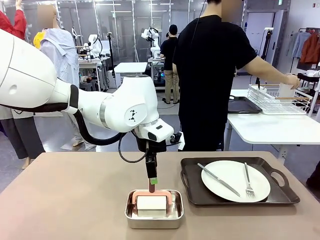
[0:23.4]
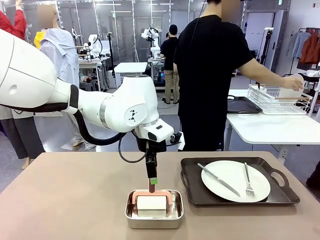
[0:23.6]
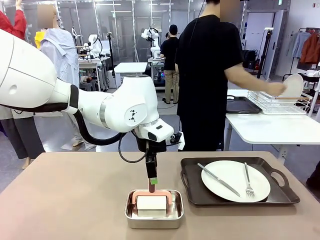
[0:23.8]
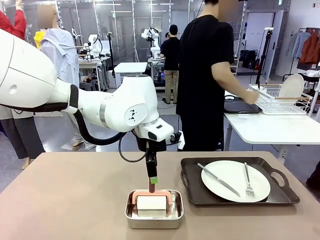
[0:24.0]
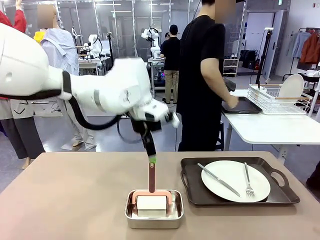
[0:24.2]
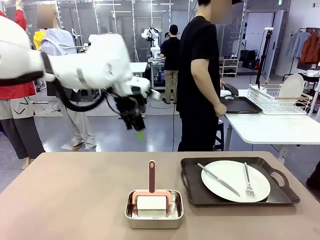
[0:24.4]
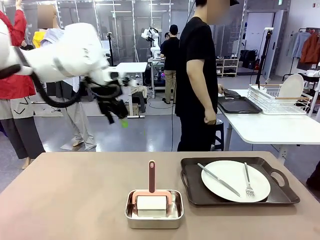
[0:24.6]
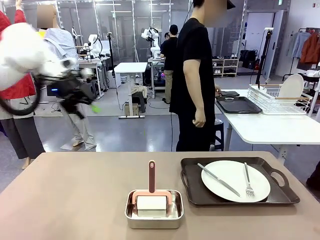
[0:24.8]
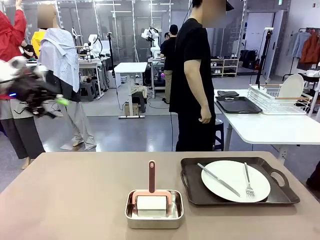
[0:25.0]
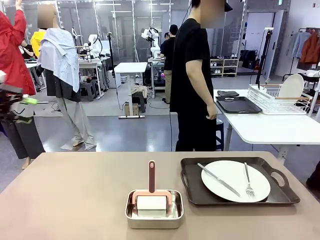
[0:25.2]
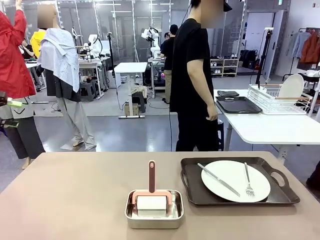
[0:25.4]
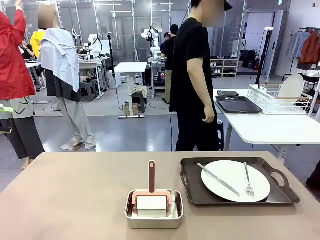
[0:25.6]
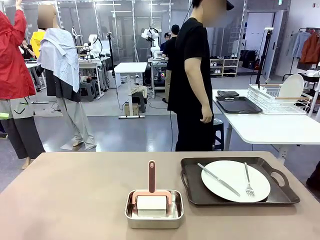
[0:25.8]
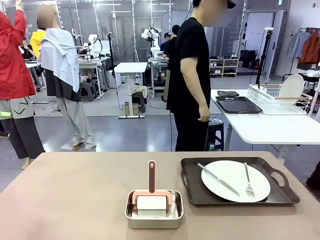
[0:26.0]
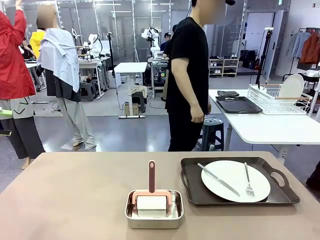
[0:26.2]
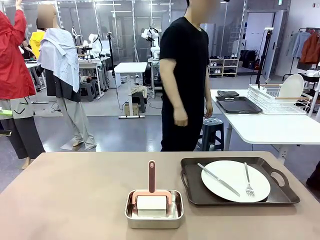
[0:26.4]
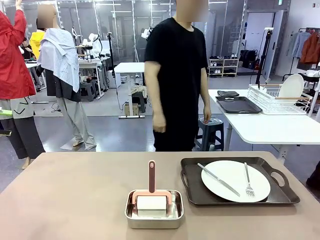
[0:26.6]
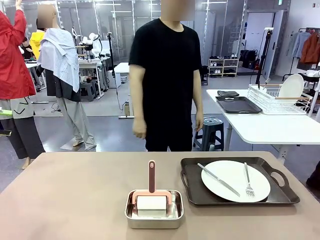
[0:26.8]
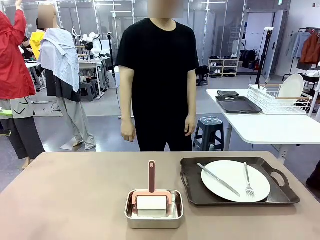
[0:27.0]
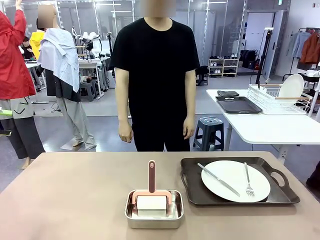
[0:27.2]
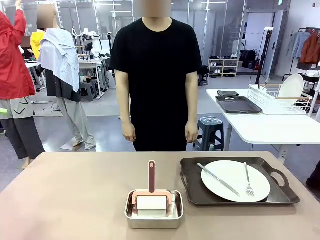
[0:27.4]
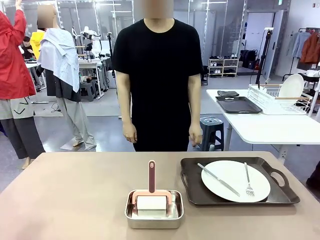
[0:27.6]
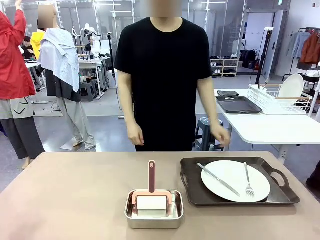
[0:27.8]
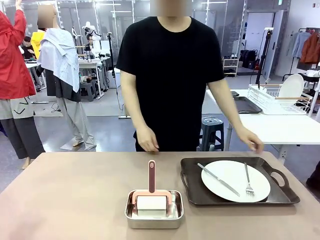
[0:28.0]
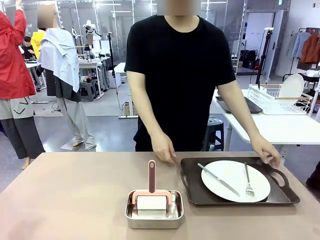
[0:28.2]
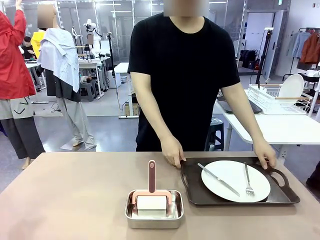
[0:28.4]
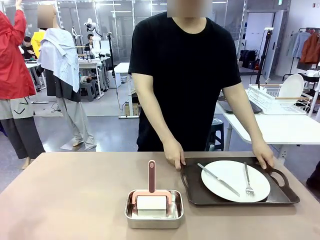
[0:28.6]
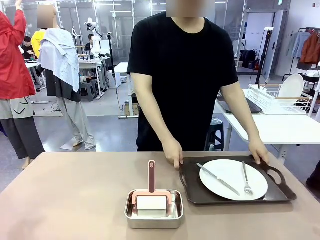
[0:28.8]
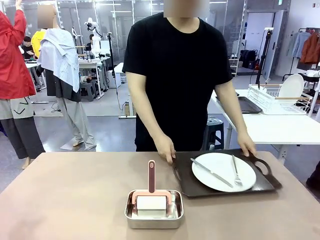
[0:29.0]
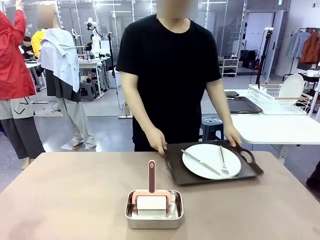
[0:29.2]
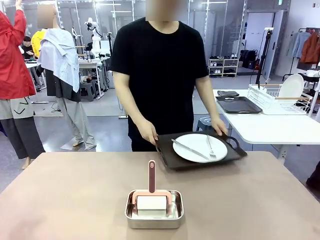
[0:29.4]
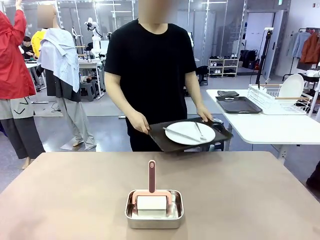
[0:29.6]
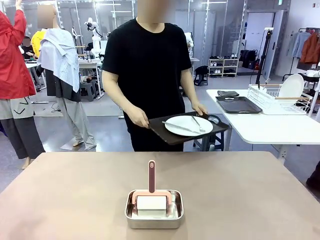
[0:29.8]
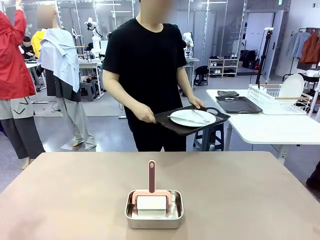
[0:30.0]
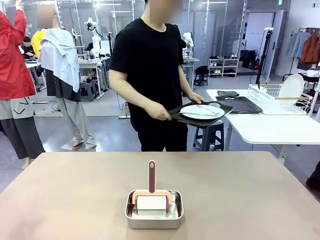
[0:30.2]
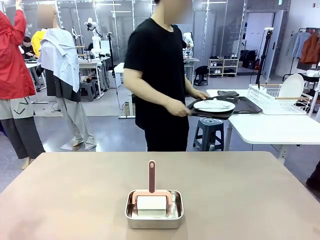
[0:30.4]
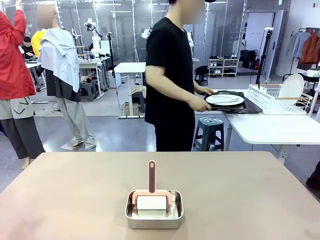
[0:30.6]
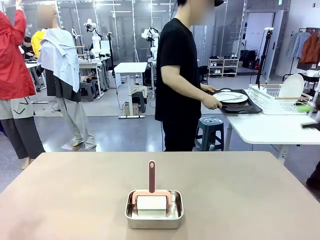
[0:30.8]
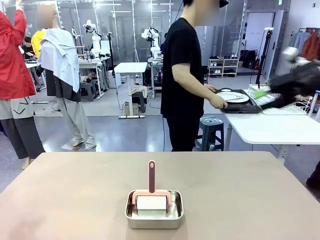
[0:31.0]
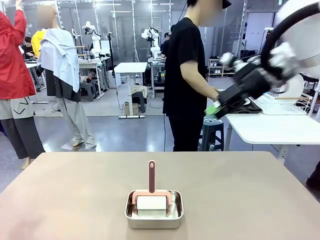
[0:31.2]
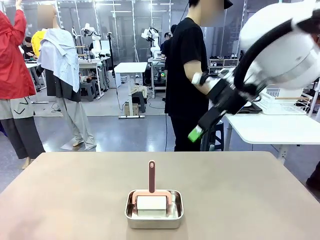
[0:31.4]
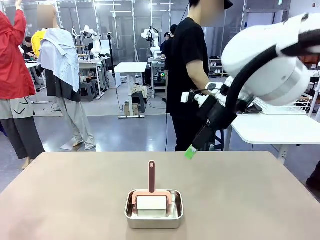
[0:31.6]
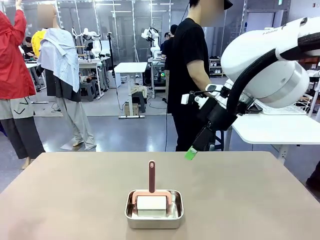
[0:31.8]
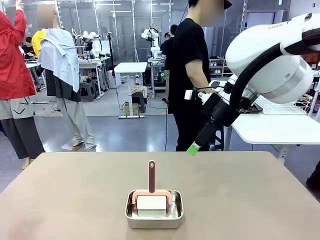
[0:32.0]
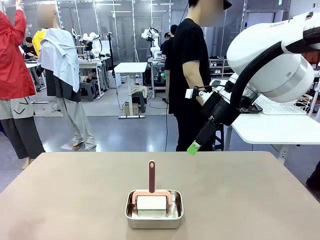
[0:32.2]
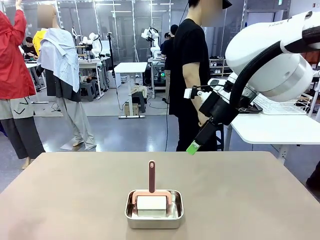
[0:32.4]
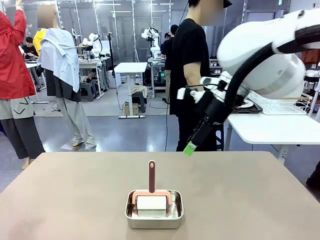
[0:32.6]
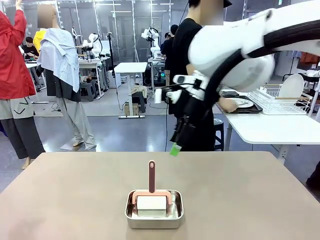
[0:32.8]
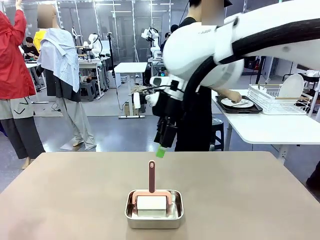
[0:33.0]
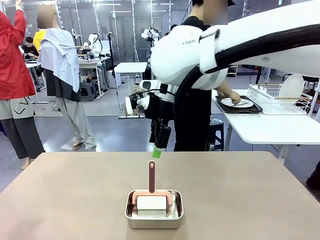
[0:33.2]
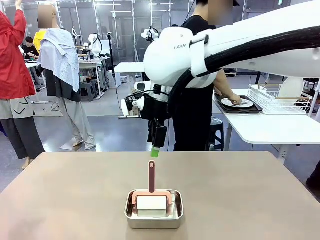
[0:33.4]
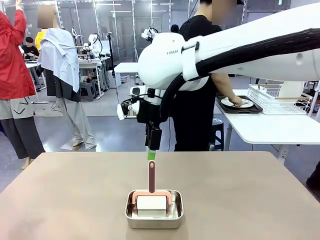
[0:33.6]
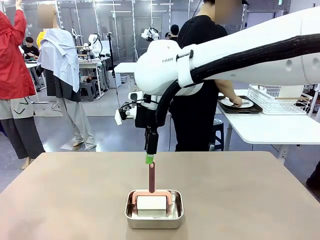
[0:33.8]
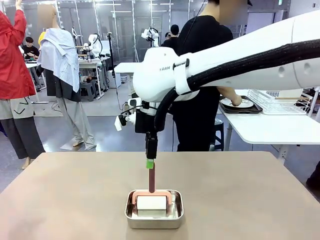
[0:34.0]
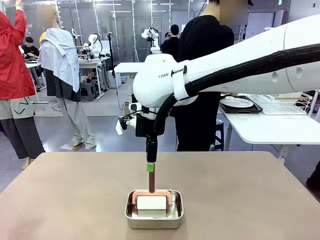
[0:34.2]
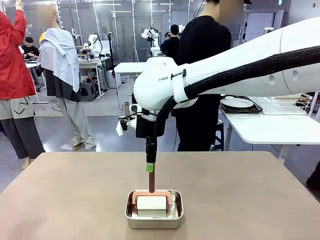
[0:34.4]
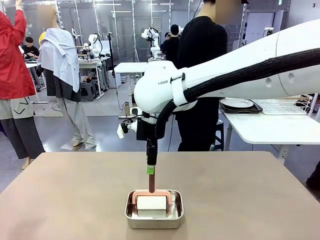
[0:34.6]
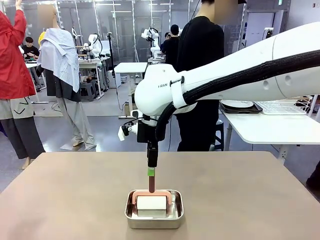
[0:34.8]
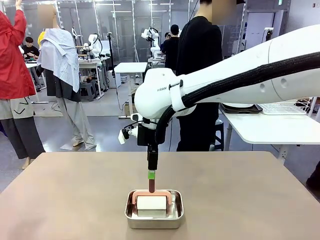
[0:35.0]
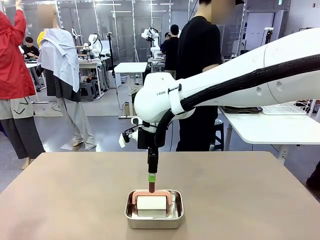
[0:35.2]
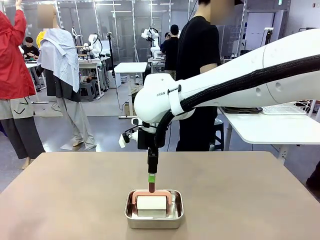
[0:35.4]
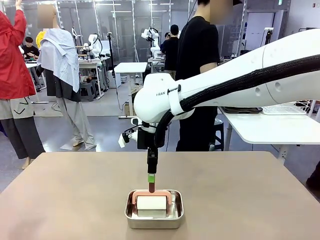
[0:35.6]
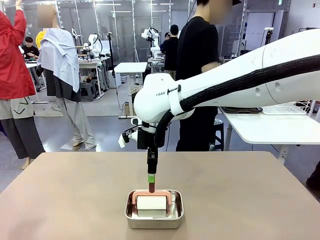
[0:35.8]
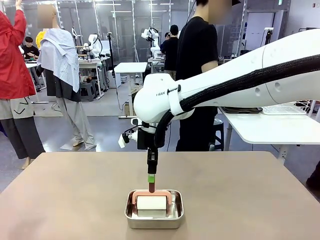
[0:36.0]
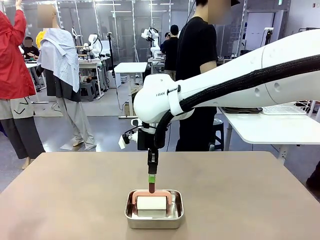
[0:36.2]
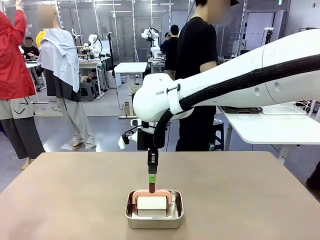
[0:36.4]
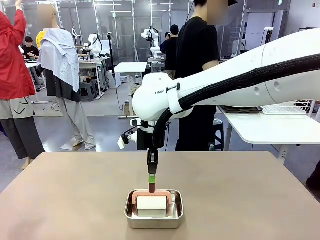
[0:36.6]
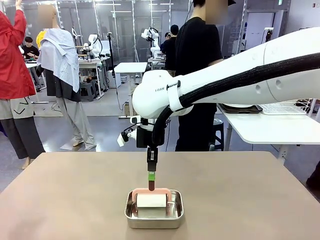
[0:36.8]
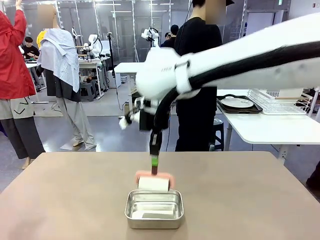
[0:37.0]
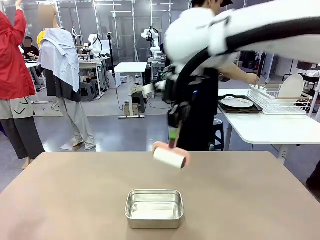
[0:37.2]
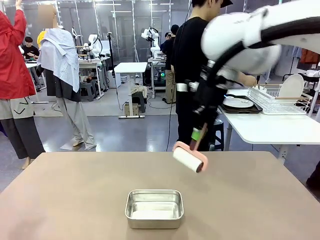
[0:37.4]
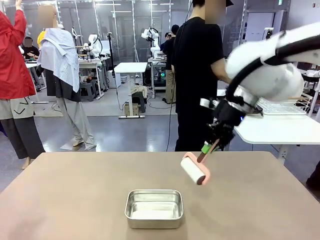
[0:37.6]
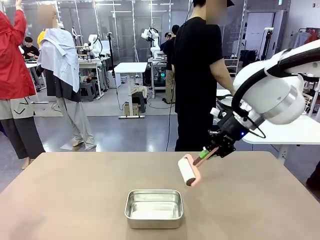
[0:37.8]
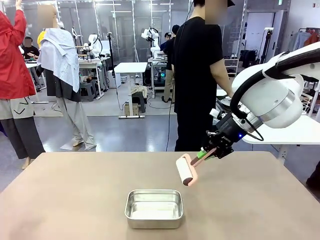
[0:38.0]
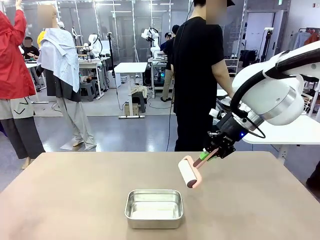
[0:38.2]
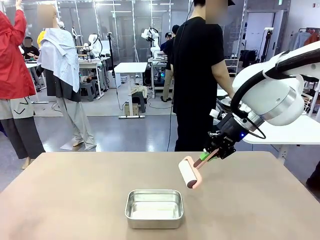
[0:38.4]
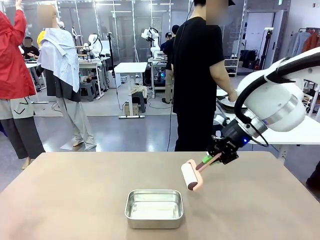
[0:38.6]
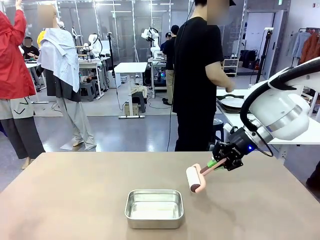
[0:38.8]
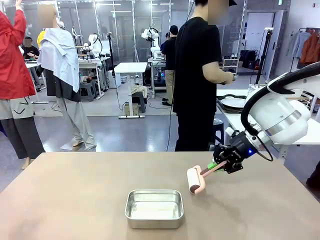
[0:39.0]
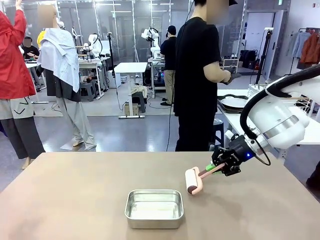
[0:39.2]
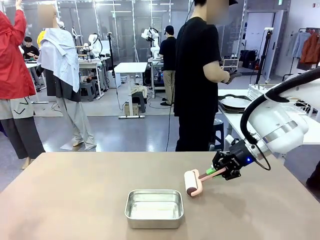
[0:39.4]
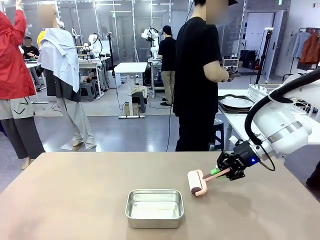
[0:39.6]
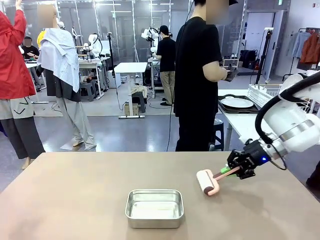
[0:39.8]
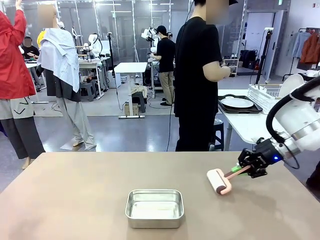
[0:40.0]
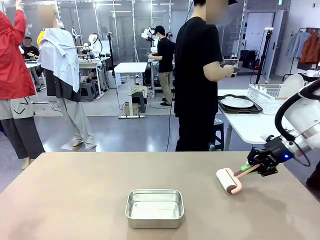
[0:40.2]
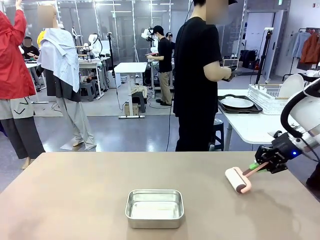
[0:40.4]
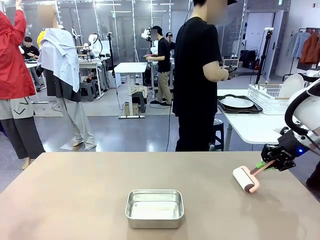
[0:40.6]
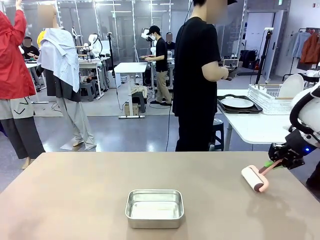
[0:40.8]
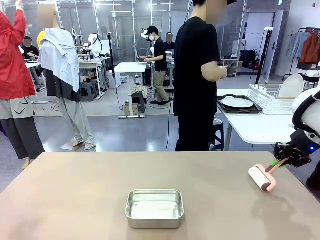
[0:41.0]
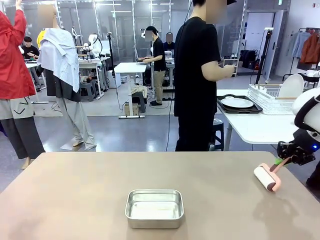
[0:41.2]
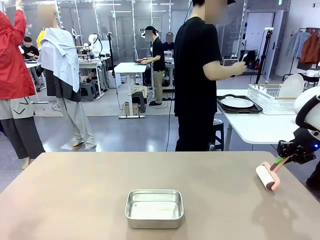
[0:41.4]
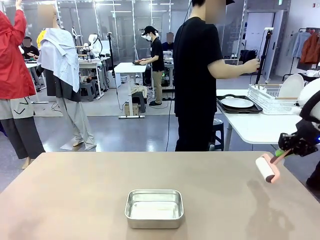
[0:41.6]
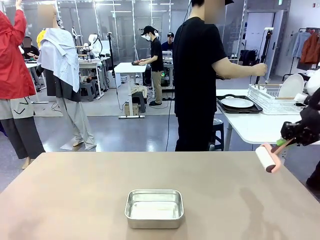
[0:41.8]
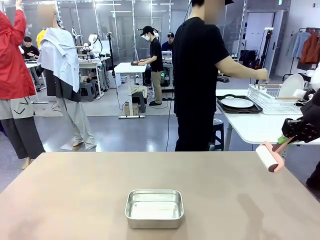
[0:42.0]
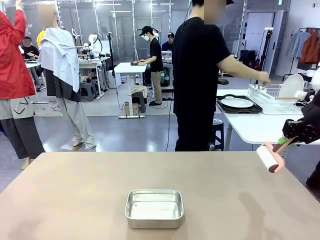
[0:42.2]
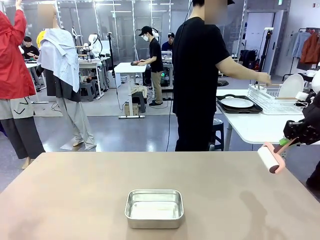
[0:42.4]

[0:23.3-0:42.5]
Robot: When the right (or left) Handle tray is removed, use the right hand (or left hand) to clean the right (or left) side of the table with the Lint Roller.
Person: Pick up the left (or right) Handle tray and place it on the Handle tray.
